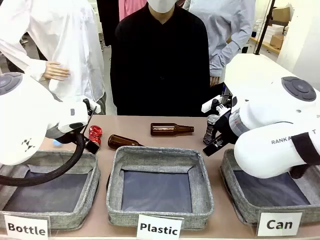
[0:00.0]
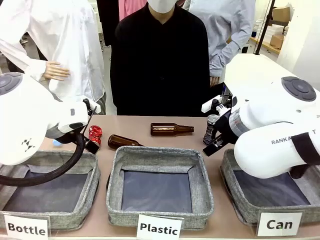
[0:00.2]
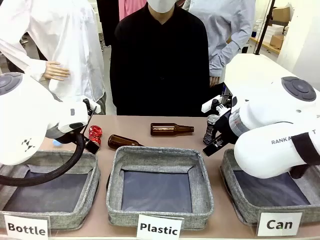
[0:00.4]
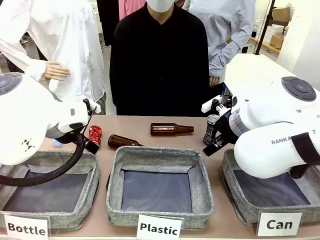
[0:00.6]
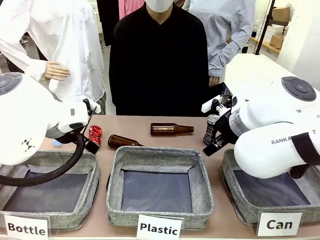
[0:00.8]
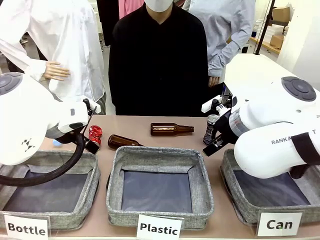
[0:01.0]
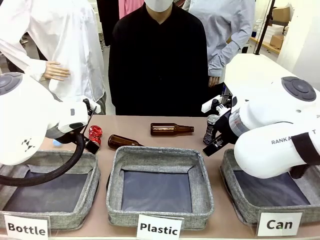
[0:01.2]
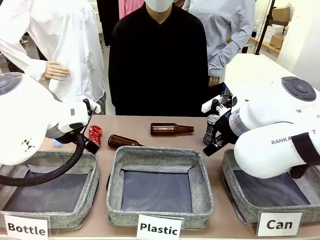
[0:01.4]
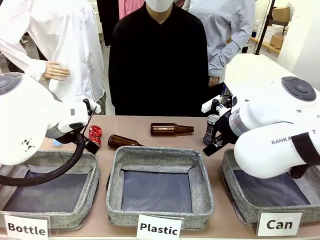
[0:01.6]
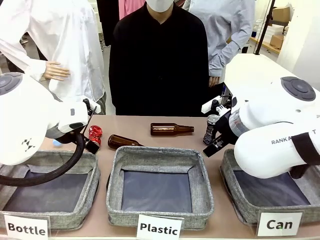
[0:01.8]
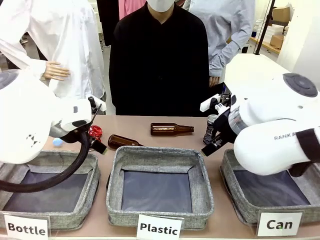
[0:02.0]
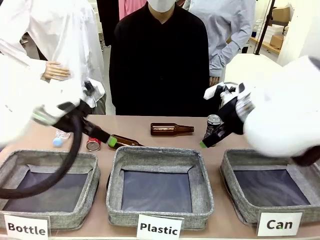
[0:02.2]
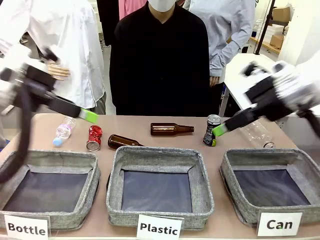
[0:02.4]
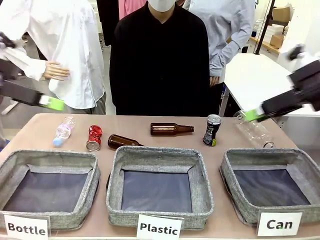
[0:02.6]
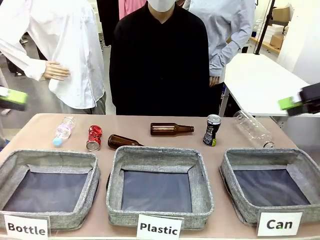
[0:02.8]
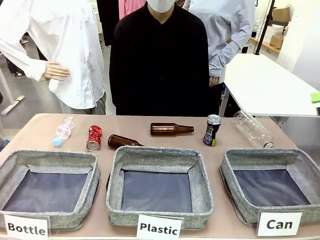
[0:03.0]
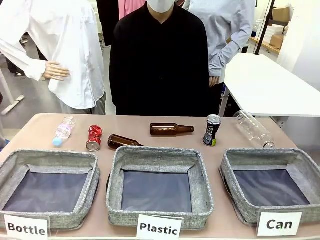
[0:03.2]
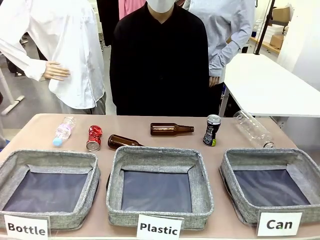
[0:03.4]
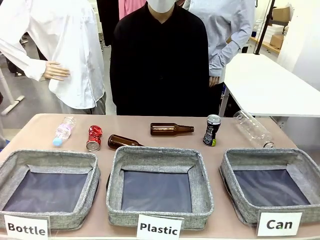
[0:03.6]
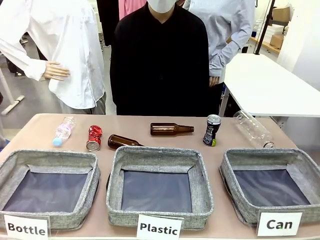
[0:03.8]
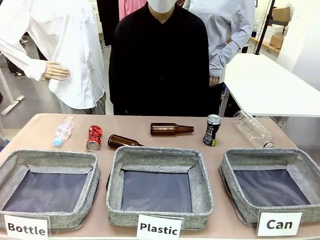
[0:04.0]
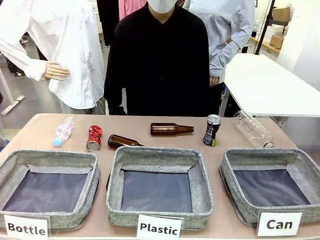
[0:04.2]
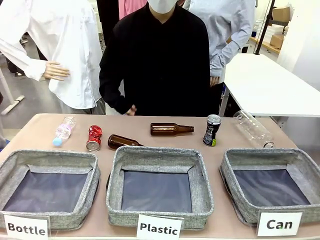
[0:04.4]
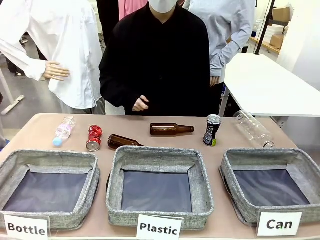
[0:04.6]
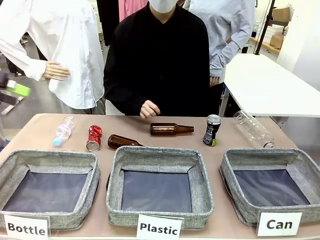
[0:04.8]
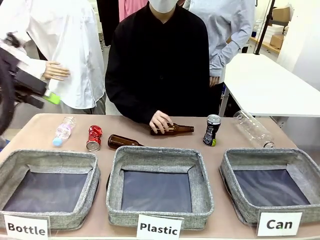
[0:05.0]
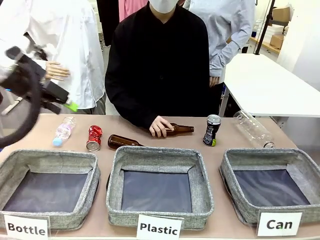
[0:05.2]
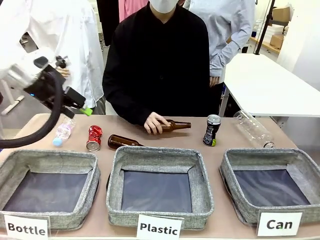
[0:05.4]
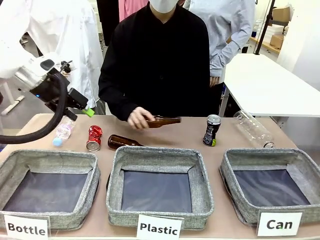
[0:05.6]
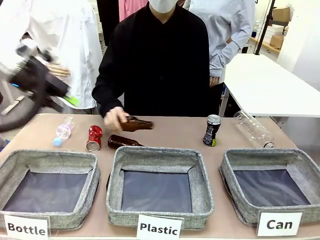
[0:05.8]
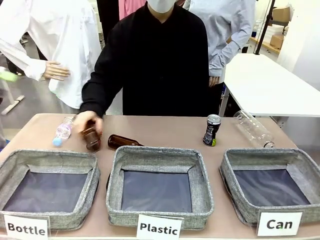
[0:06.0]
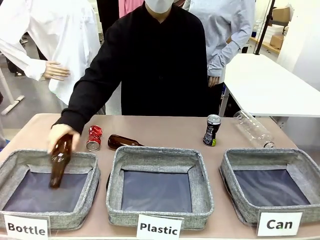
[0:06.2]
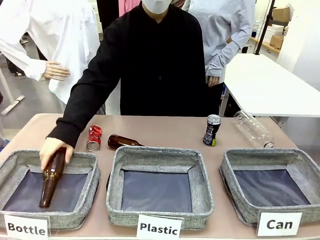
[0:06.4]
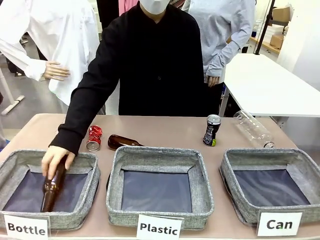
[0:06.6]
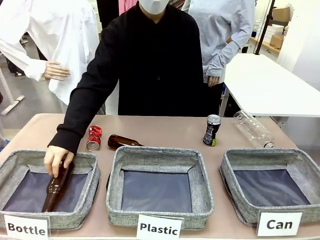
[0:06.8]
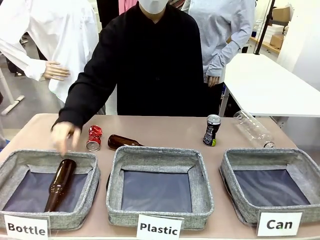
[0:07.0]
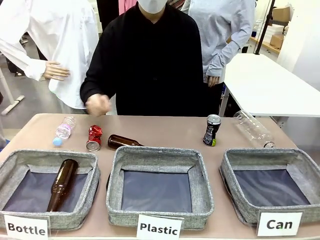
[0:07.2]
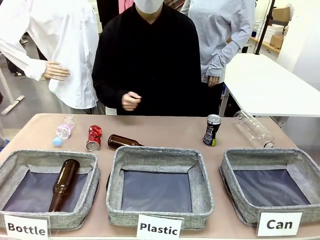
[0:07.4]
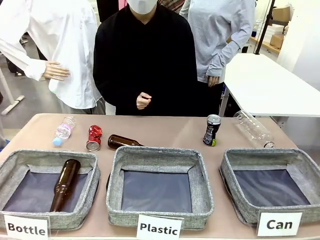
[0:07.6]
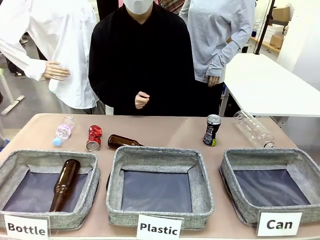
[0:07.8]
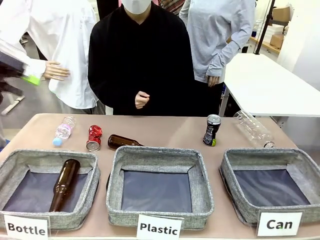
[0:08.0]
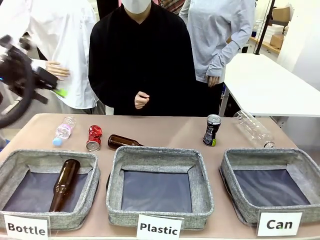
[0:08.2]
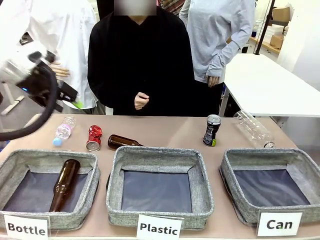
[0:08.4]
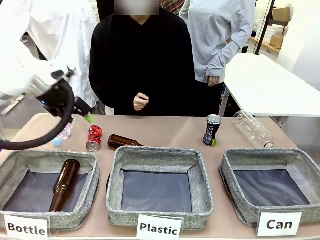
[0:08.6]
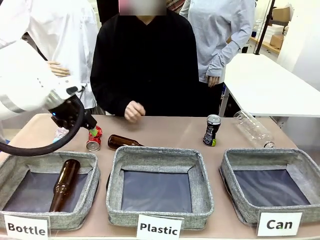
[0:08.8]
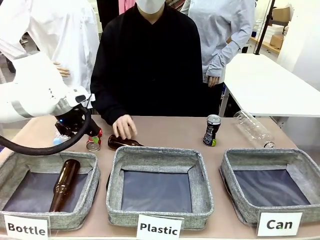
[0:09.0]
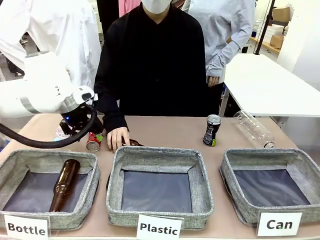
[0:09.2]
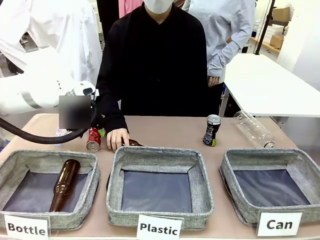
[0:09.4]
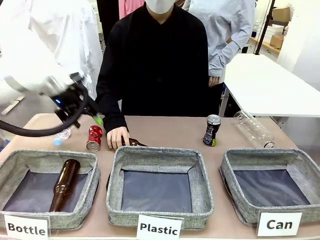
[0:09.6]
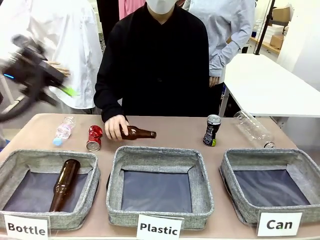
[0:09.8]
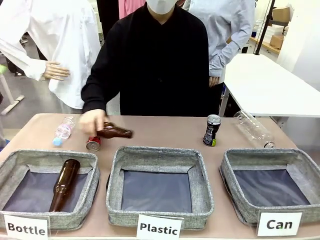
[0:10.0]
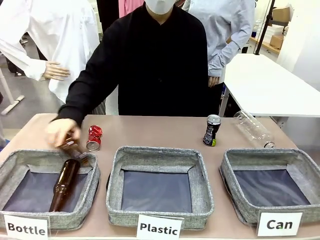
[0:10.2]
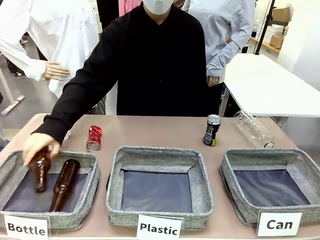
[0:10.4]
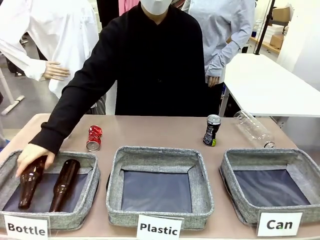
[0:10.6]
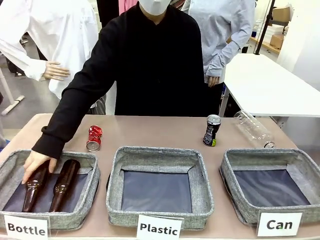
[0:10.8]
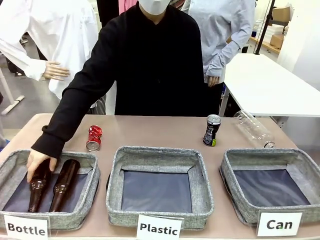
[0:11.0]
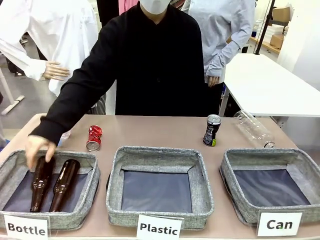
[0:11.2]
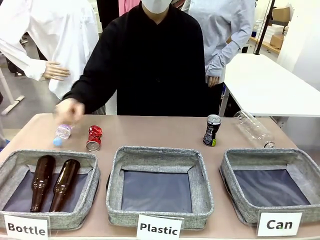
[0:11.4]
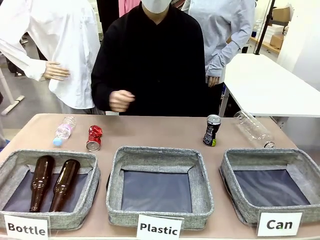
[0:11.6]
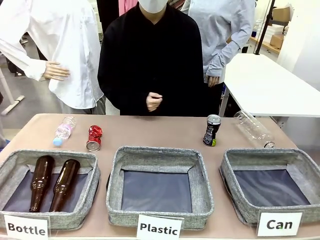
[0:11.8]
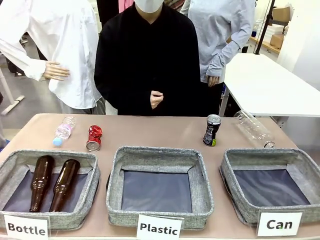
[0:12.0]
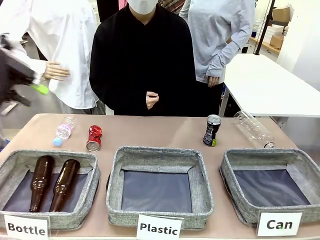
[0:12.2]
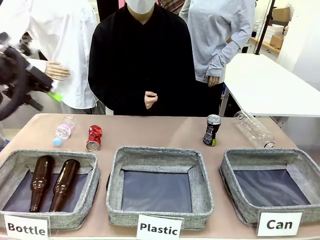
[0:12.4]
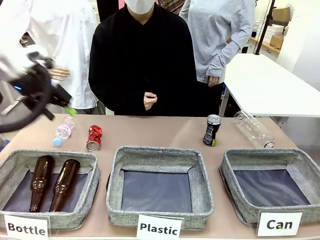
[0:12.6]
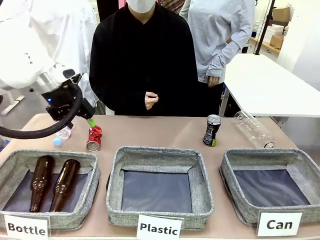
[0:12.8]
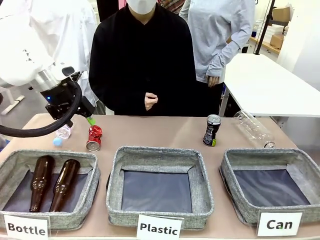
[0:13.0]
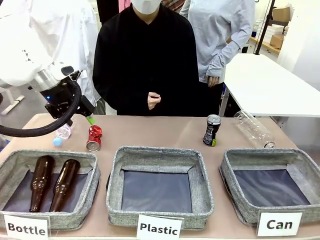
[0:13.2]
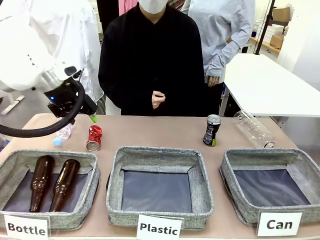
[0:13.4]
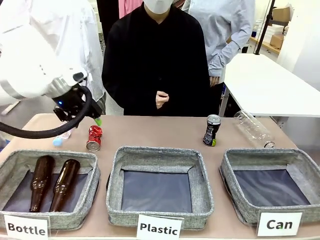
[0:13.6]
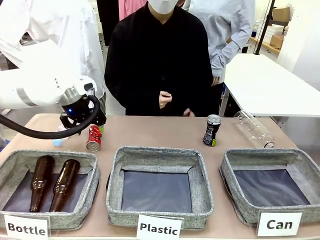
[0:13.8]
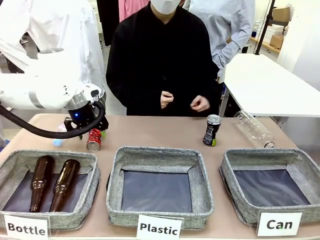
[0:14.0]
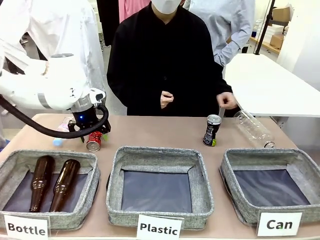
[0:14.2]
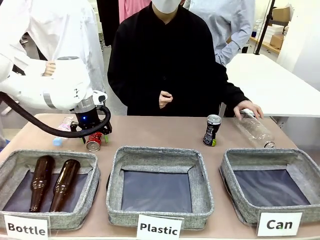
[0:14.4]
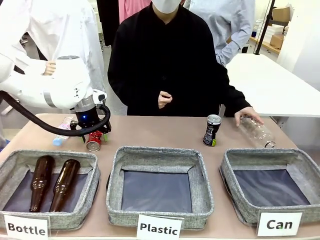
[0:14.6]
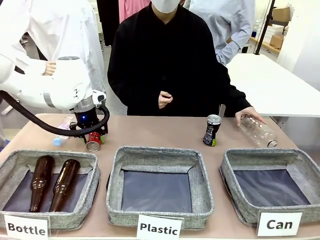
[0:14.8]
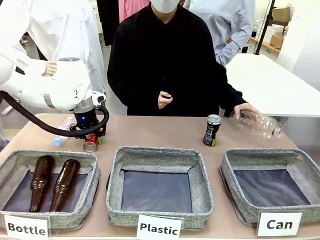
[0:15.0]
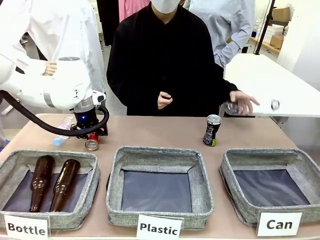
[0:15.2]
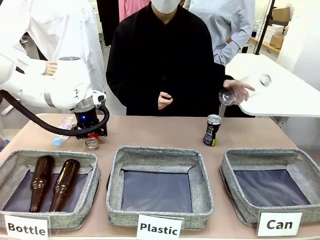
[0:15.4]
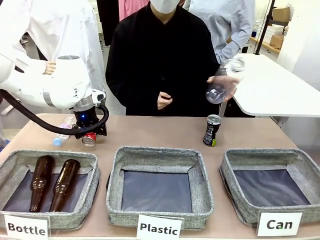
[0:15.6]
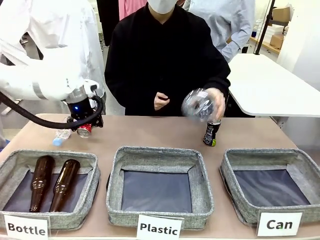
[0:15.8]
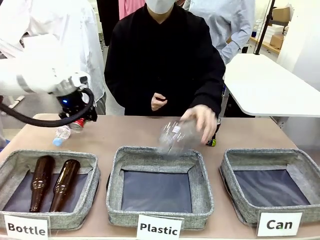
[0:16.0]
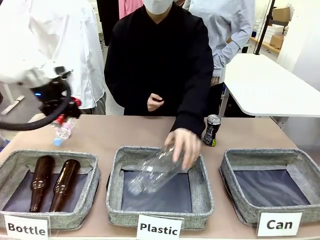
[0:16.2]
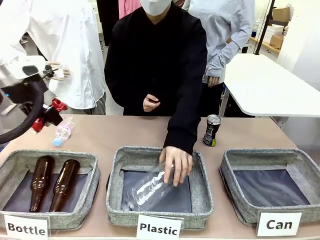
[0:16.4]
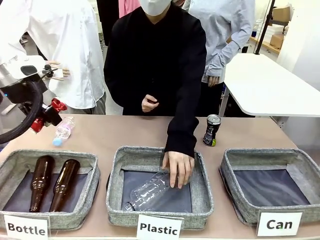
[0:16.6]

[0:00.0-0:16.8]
Task: Sort the can waste into the basket.
Robot: Pick up the can waste from the table and place it in the right Fabric basket.
